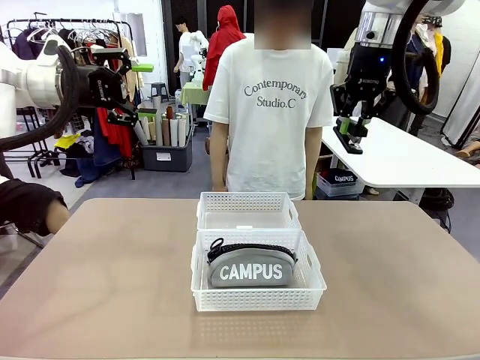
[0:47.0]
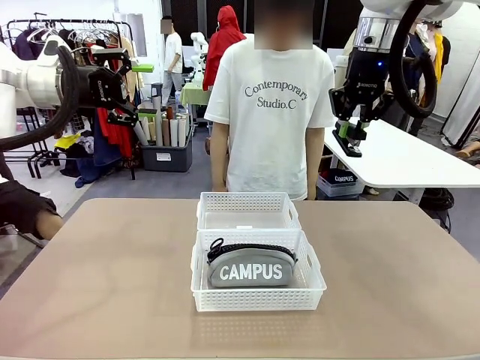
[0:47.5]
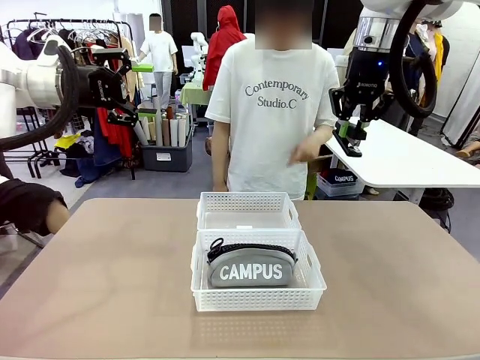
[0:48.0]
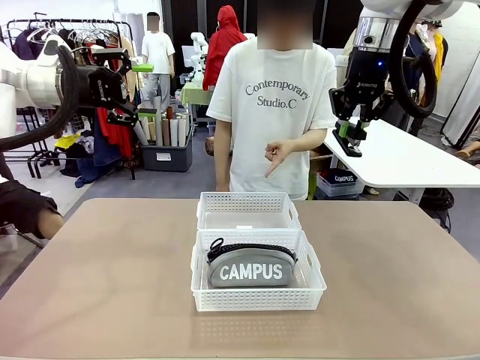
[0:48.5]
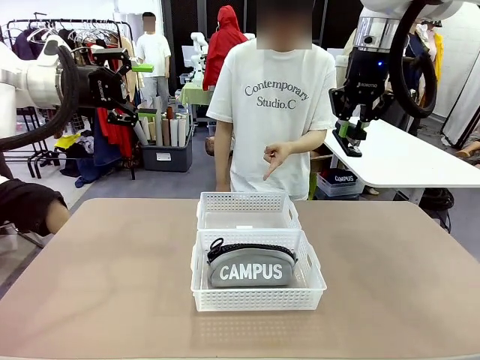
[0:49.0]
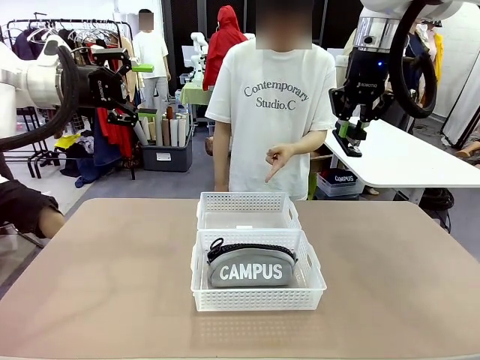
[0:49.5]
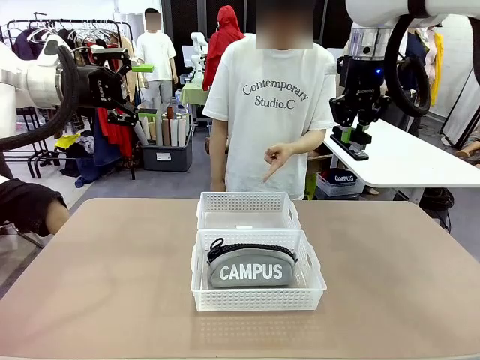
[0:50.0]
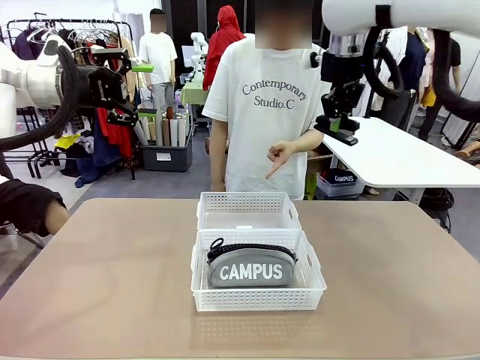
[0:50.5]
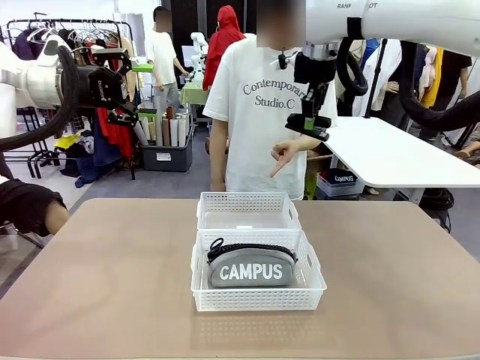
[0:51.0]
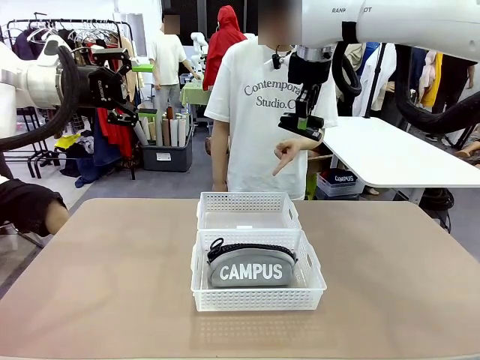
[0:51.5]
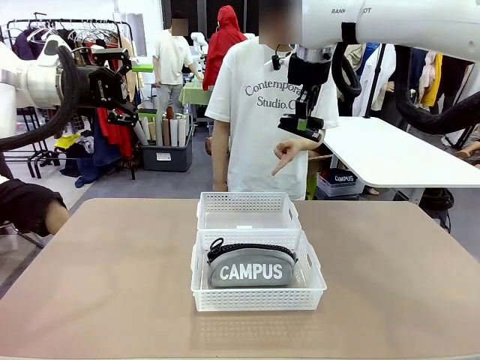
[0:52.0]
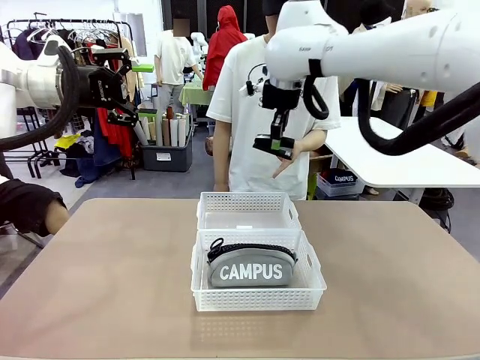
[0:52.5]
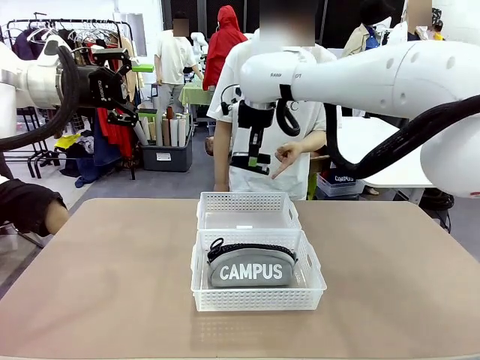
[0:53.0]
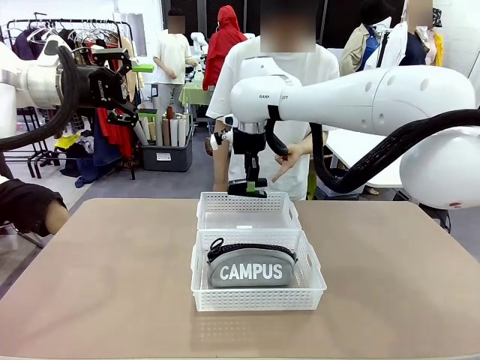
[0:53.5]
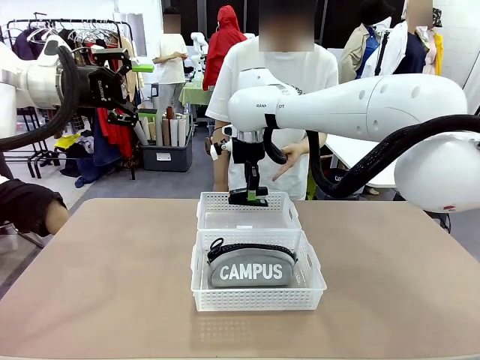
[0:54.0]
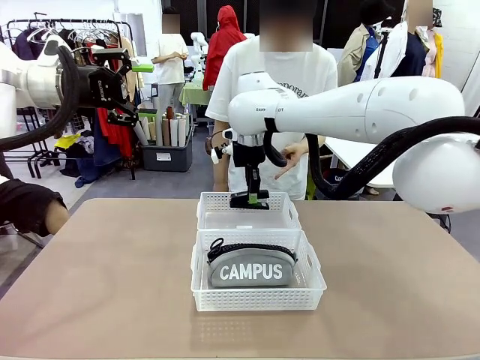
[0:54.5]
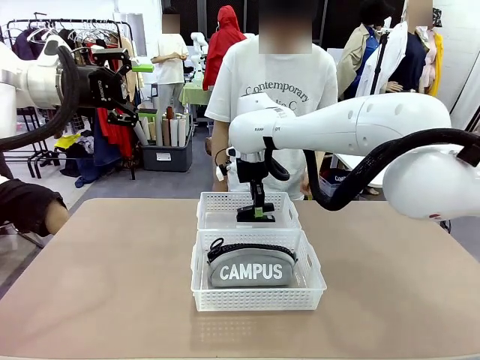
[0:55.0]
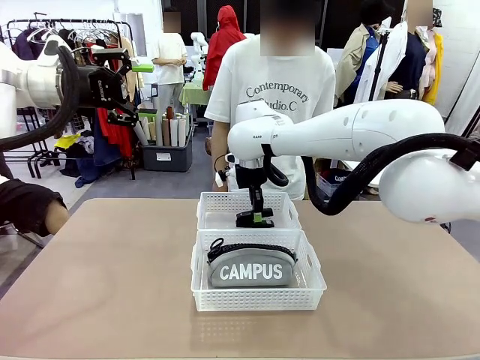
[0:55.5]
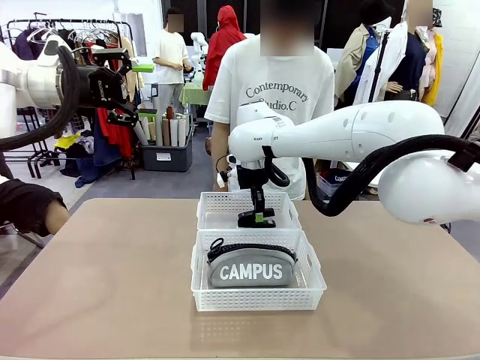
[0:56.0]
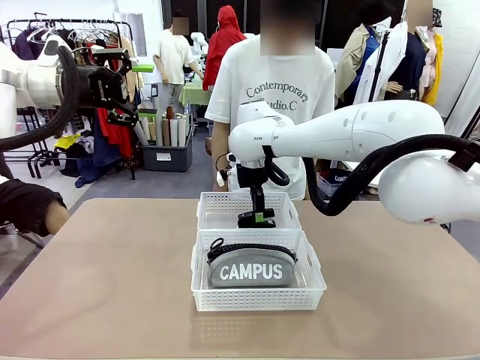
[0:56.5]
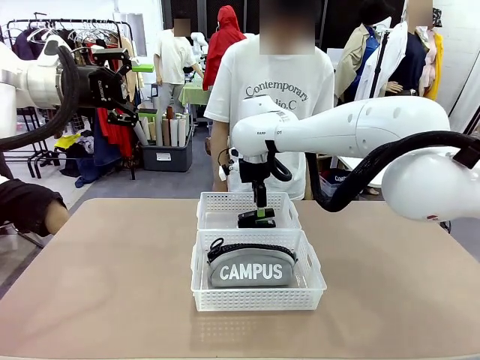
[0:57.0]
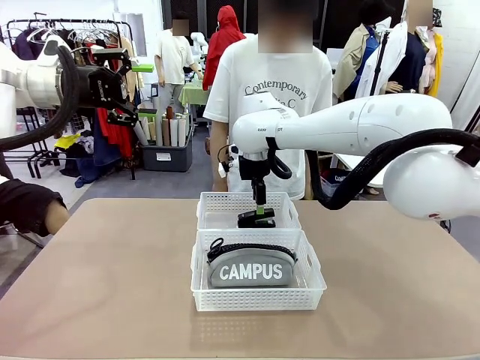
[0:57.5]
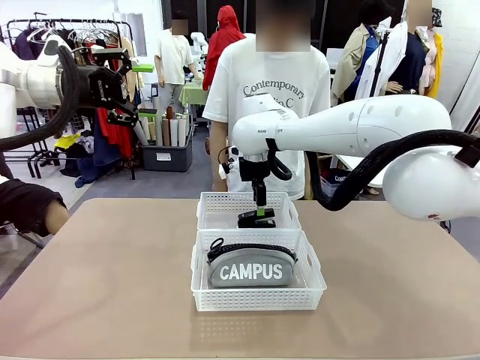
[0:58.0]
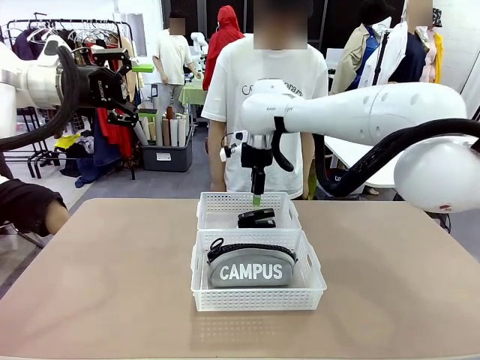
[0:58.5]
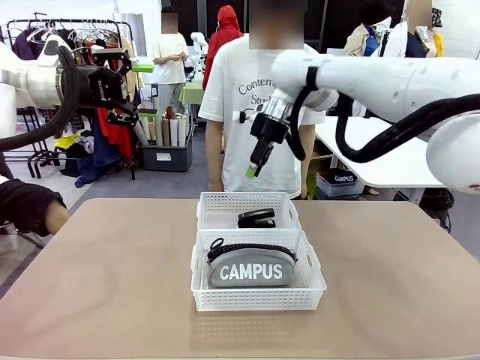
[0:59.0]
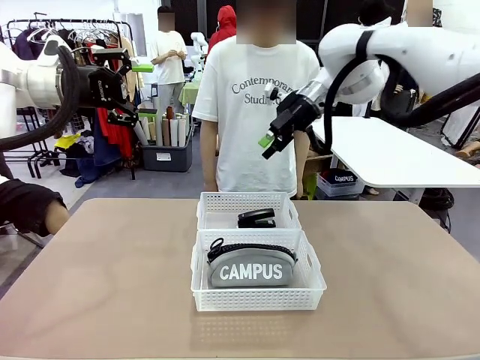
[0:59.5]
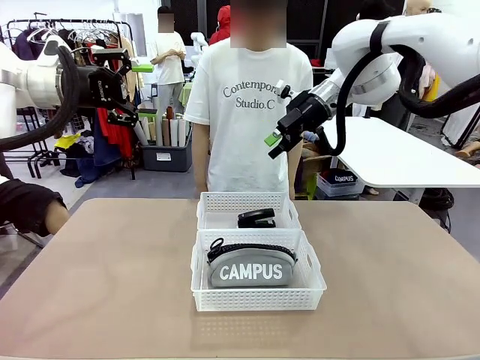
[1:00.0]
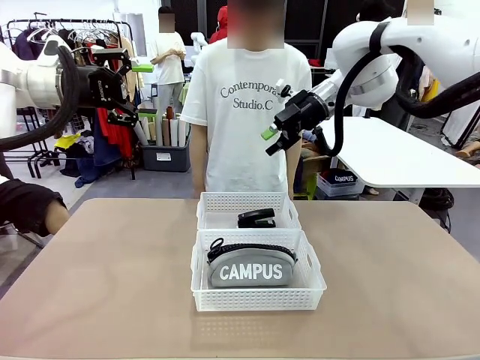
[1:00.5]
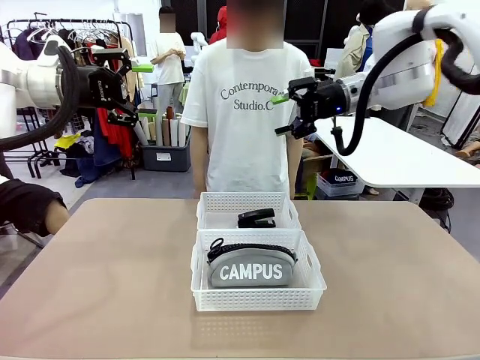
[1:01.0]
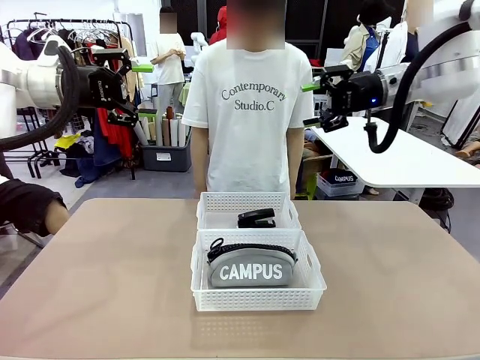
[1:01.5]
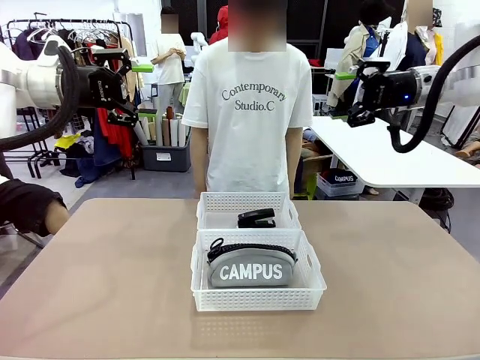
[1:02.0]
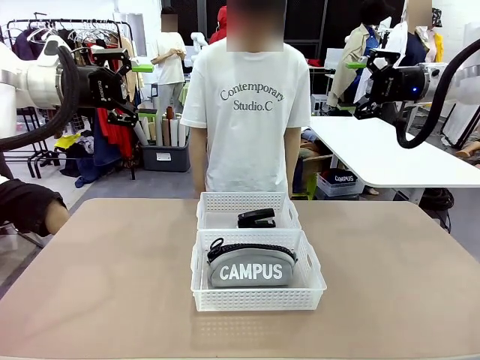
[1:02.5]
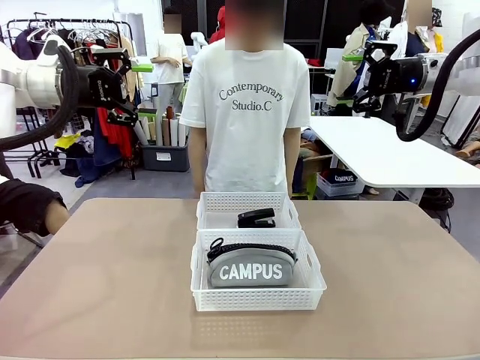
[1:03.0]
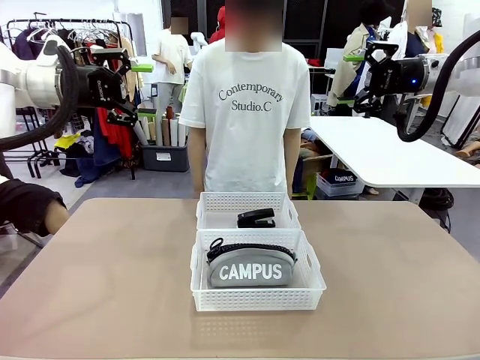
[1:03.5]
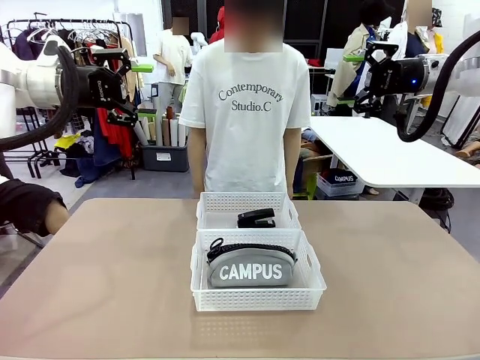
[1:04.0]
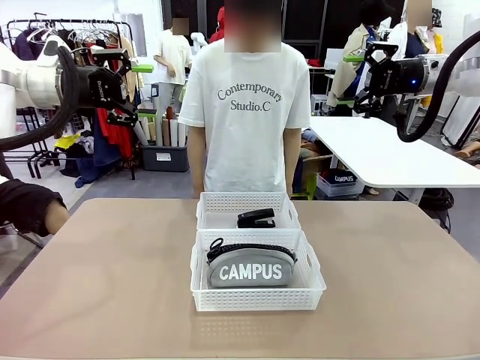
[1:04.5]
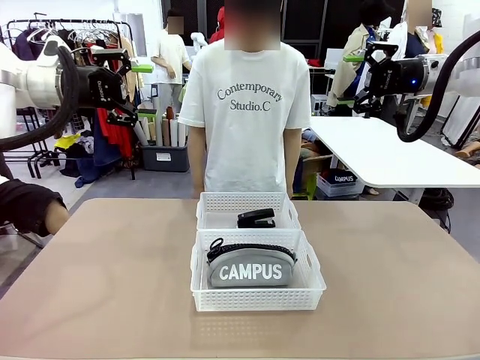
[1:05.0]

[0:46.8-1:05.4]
Task: Distribute items into two baskets.
Robot: Place the picked Stapler into the Organizing basket as instructed by the person.
Person: Points to the basket that does not contain the pencil case and instructs the robot to move the stapler there.

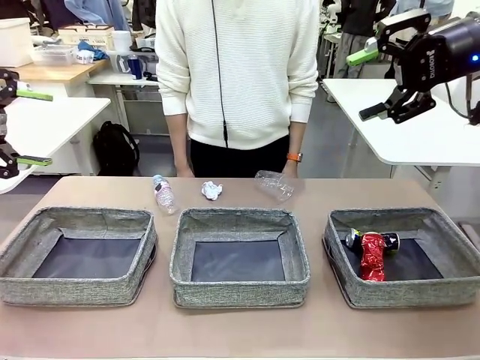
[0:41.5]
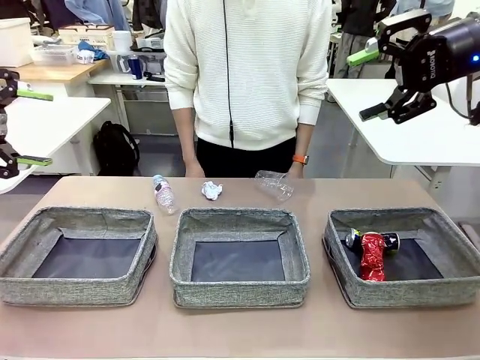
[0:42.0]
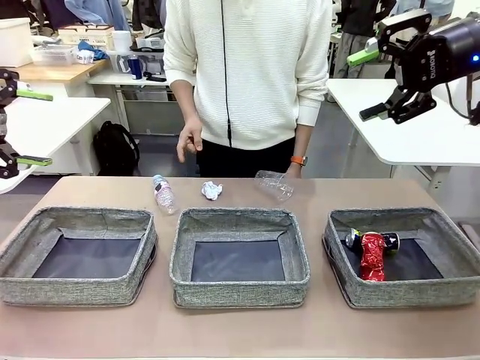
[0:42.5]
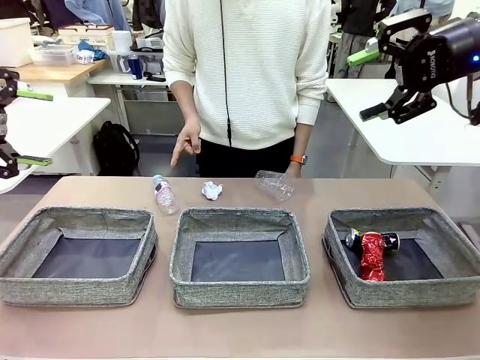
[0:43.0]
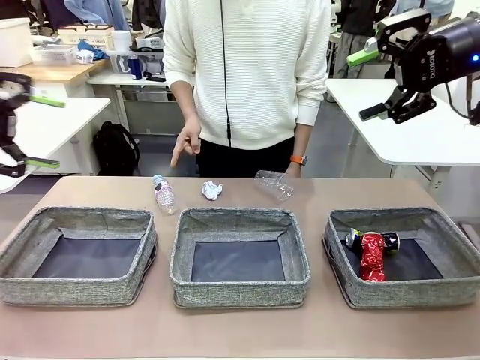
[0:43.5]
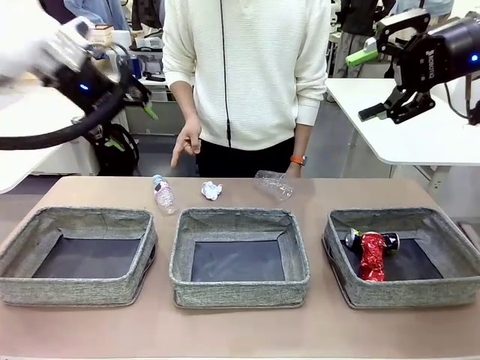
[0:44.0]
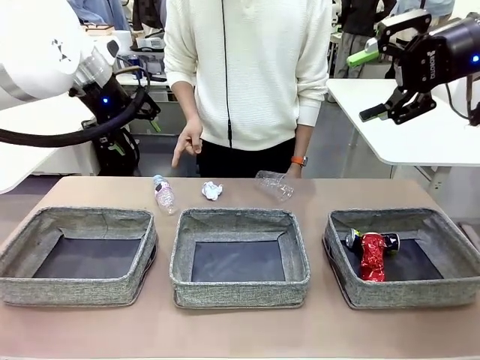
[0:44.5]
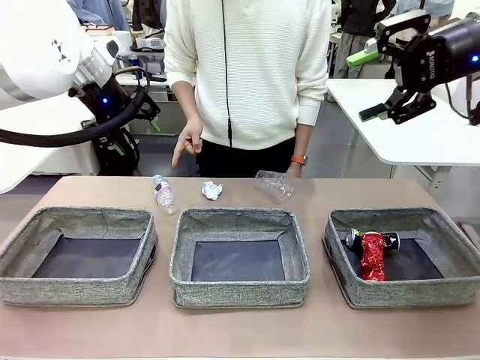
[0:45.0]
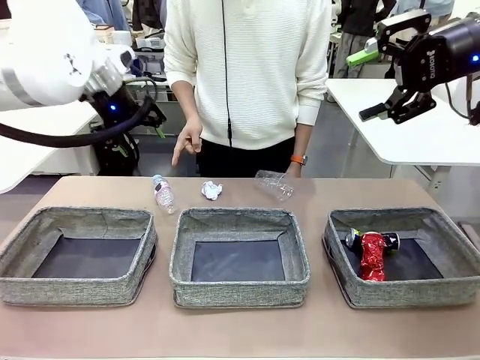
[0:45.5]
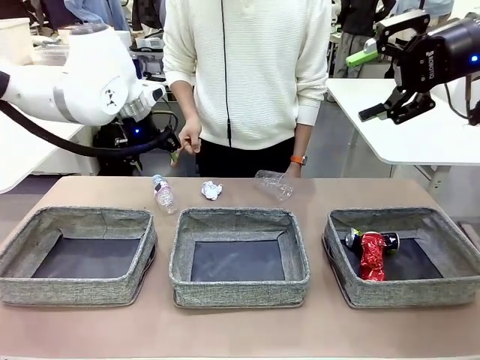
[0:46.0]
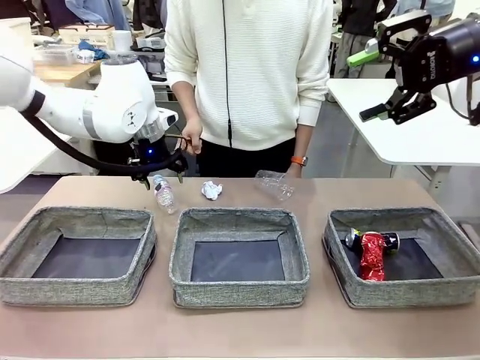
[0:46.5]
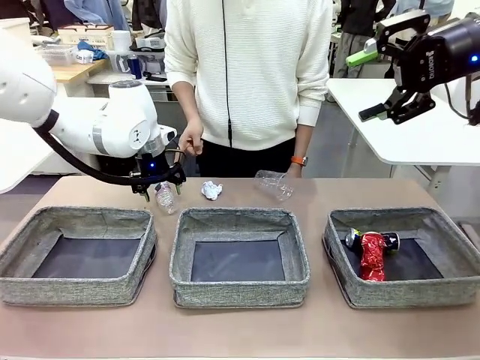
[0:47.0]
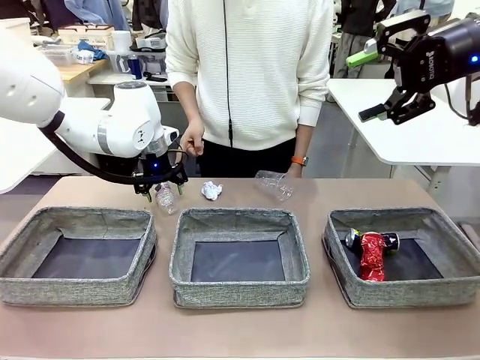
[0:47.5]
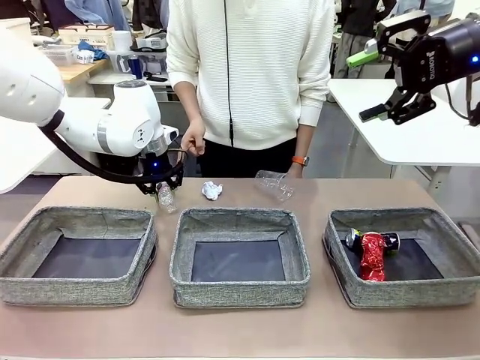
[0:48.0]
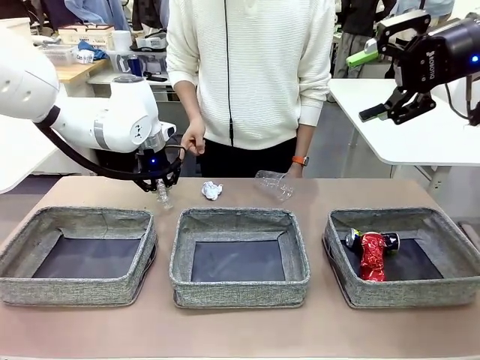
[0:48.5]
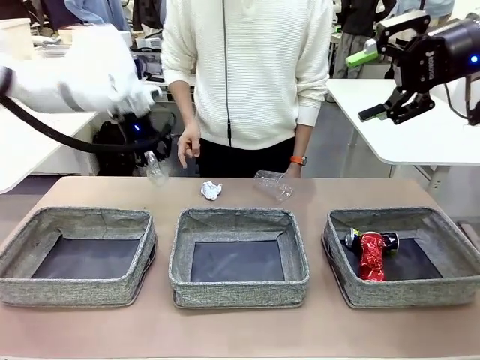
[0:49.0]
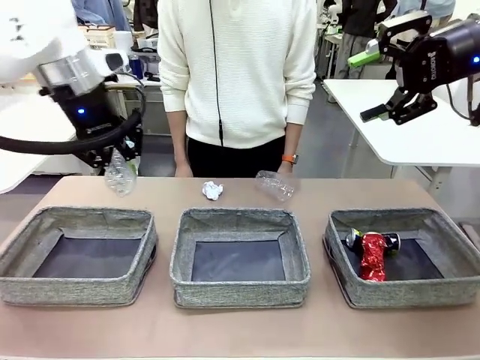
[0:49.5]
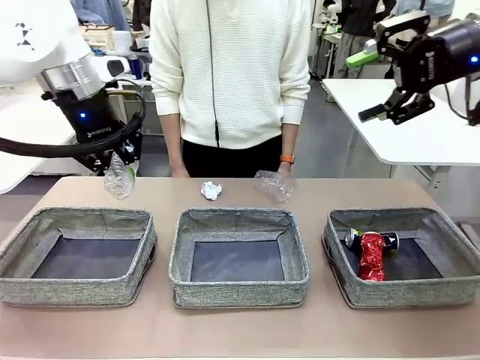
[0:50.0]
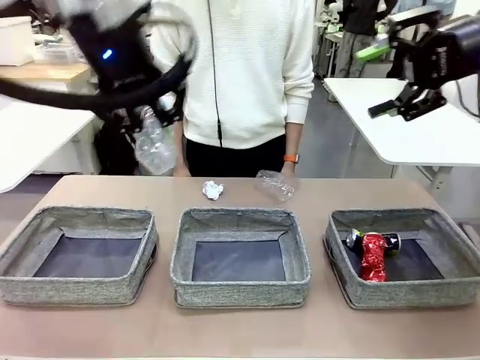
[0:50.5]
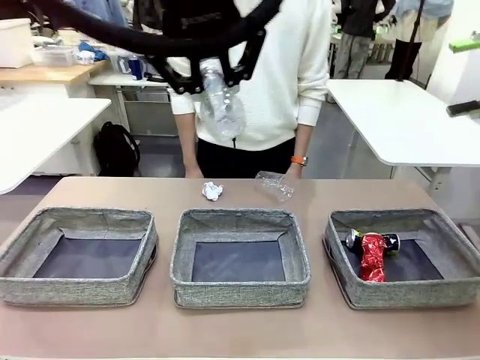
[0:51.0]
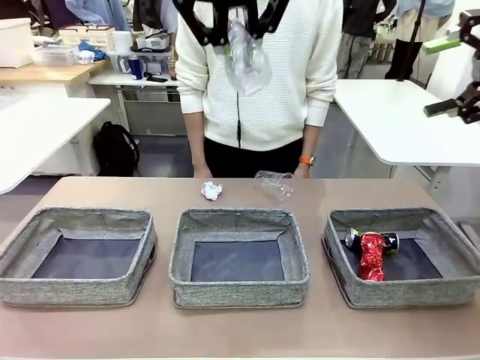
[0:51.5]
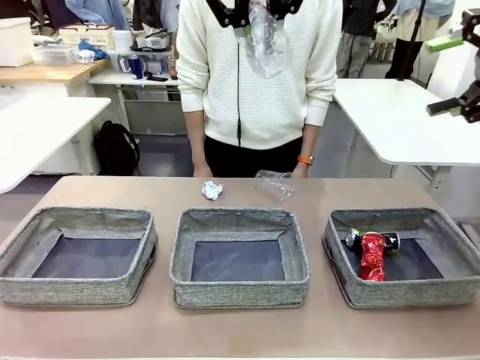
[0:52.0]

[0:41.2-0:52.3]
Task: Sort the waste into the appropriate baskets.
Robot: Pick up the waste item pointed out by the person.
Person: Points to one piece of trash on the table.
